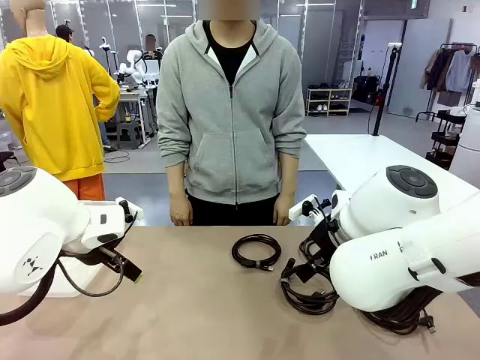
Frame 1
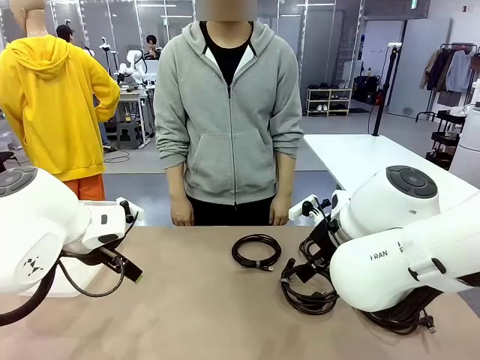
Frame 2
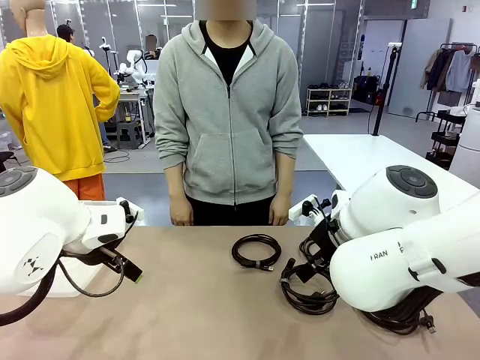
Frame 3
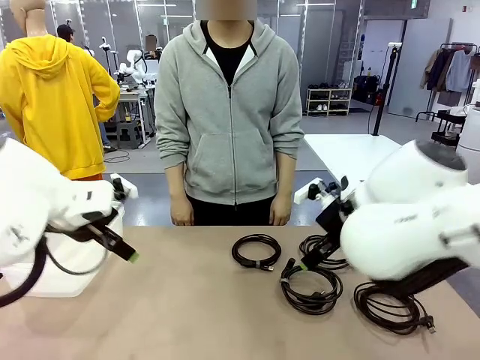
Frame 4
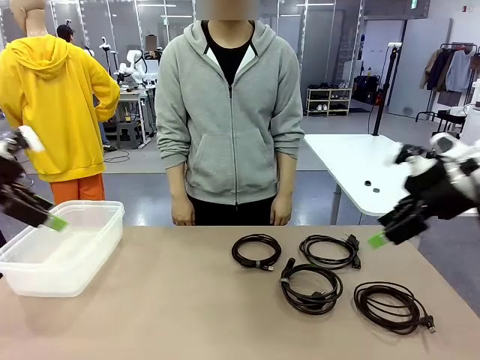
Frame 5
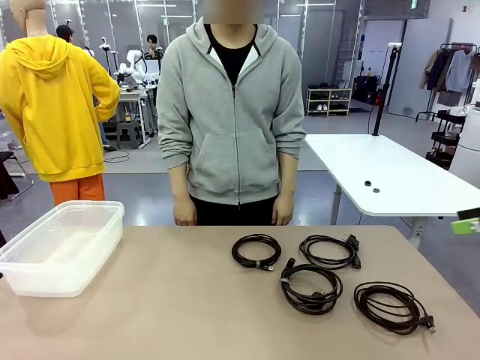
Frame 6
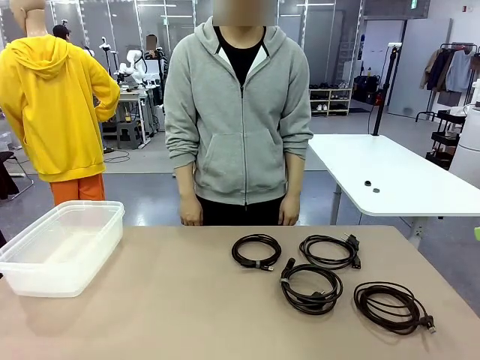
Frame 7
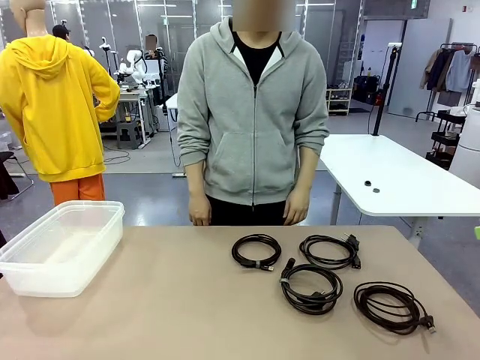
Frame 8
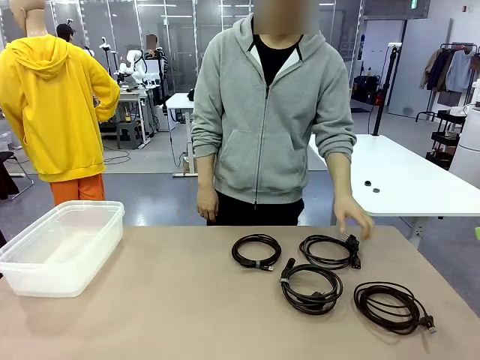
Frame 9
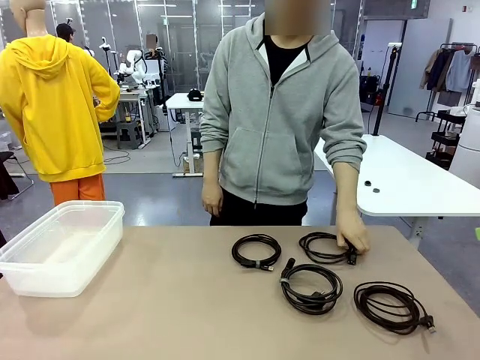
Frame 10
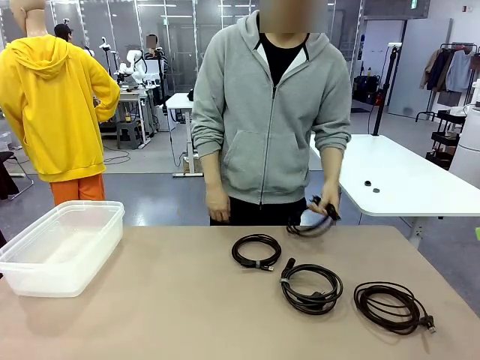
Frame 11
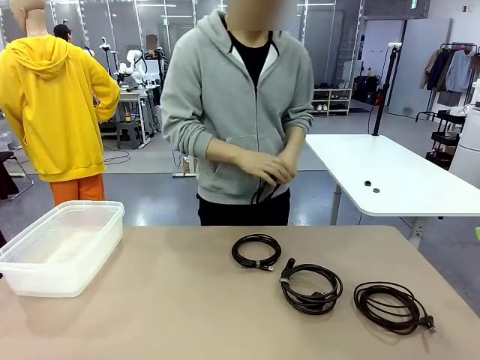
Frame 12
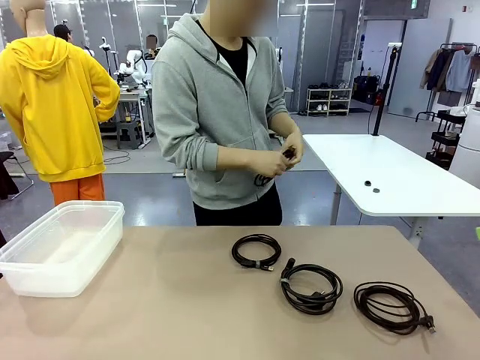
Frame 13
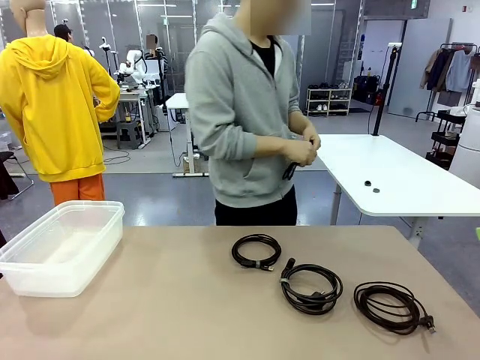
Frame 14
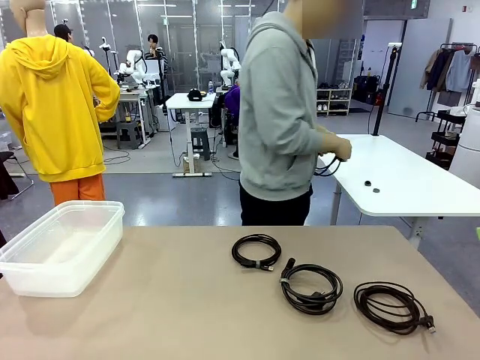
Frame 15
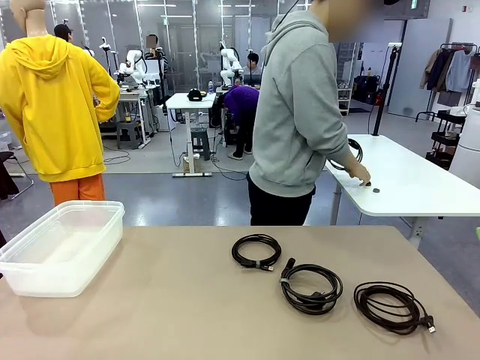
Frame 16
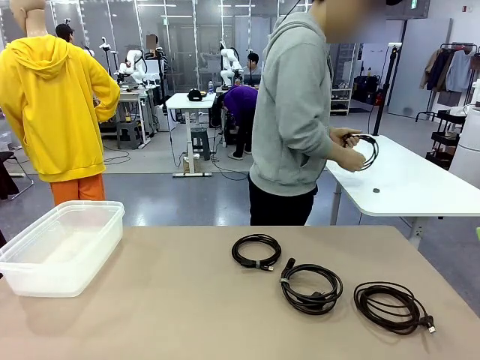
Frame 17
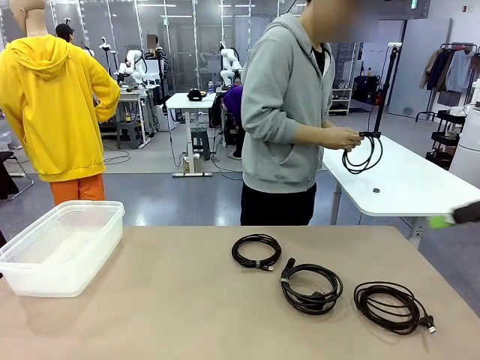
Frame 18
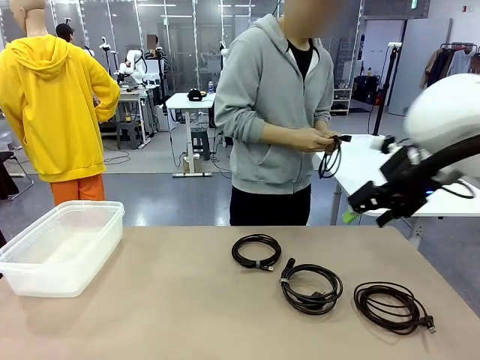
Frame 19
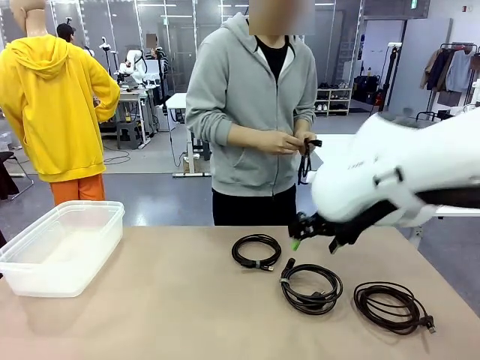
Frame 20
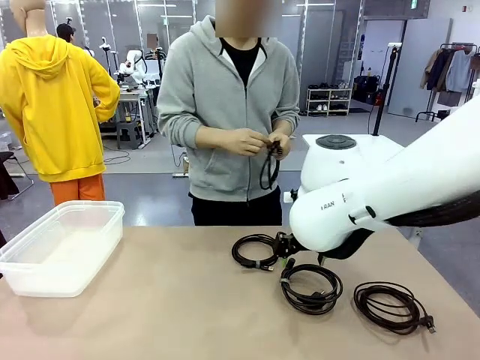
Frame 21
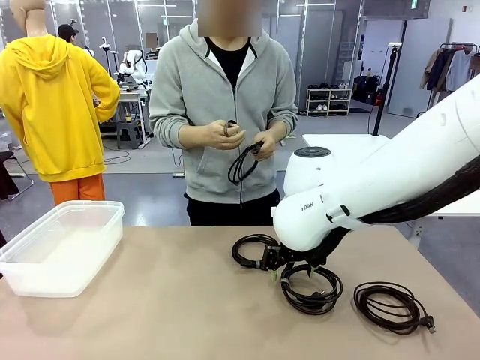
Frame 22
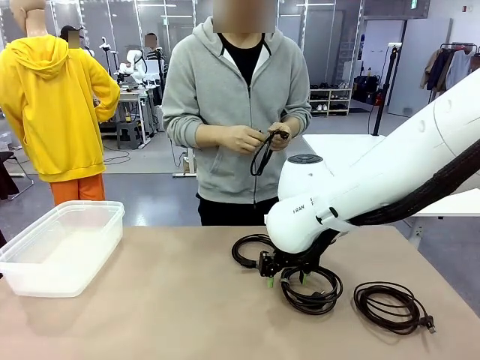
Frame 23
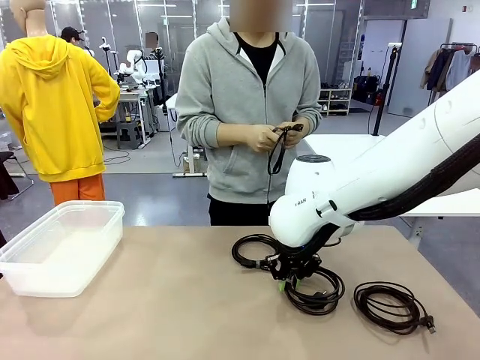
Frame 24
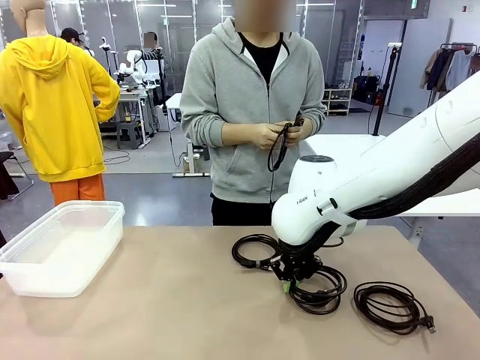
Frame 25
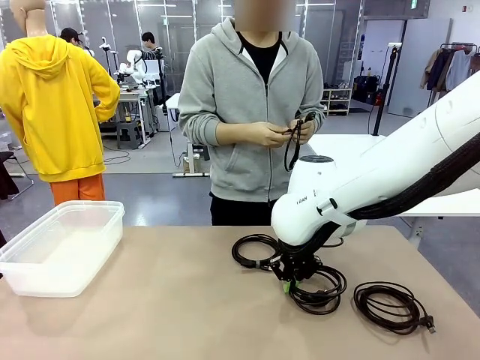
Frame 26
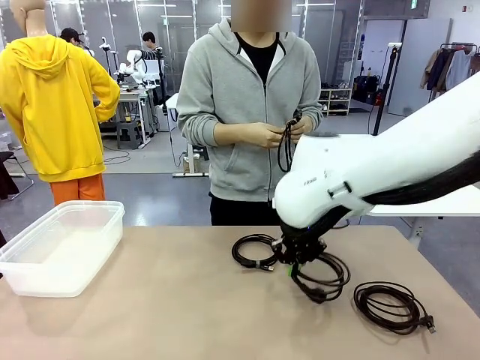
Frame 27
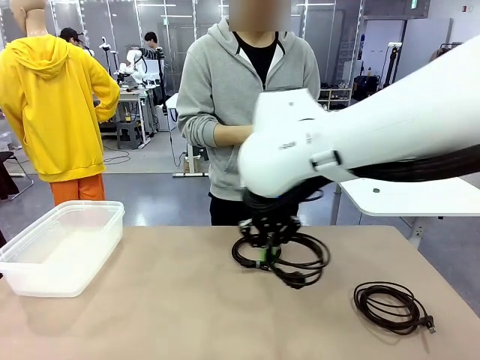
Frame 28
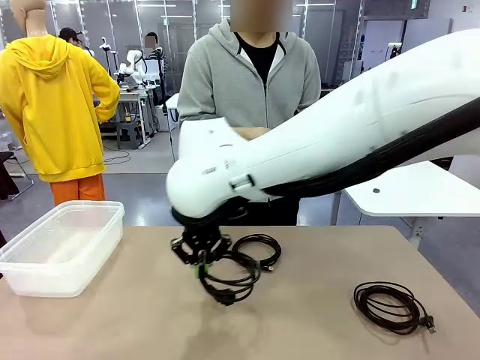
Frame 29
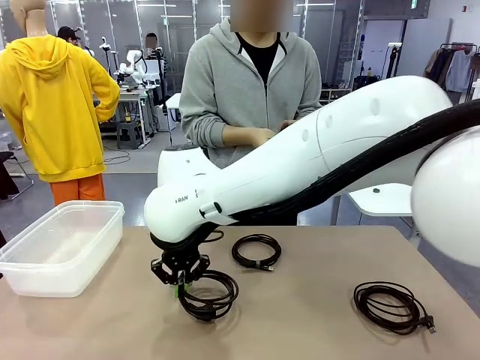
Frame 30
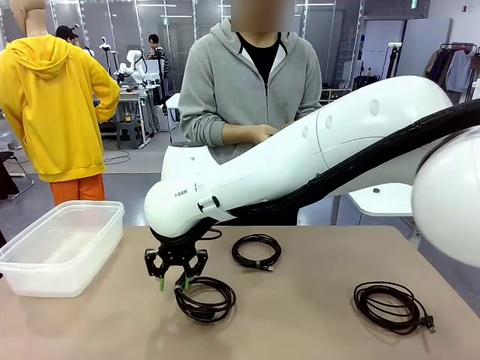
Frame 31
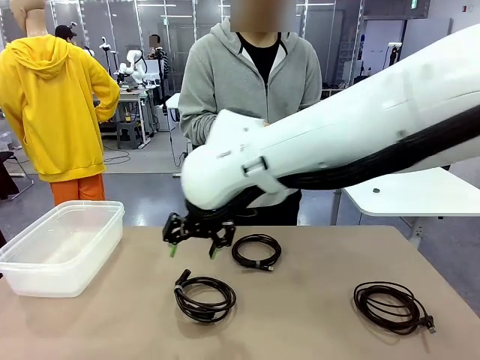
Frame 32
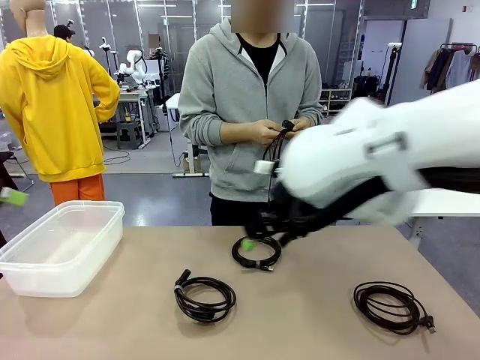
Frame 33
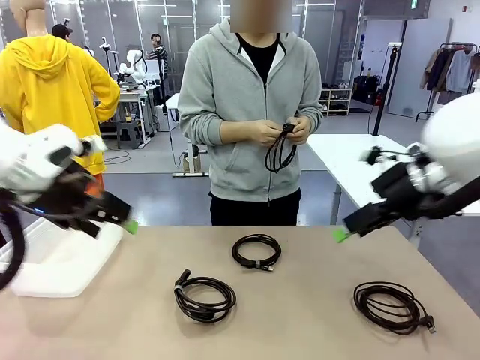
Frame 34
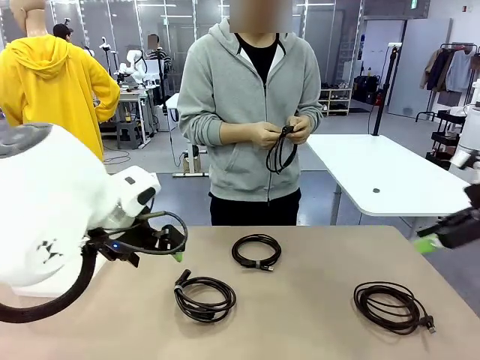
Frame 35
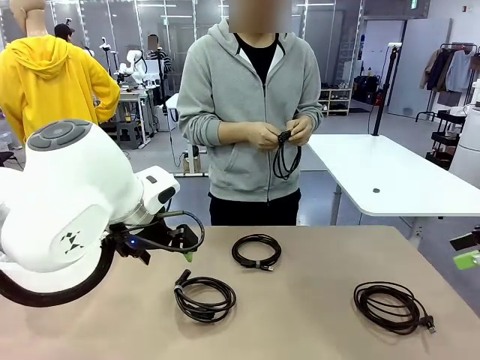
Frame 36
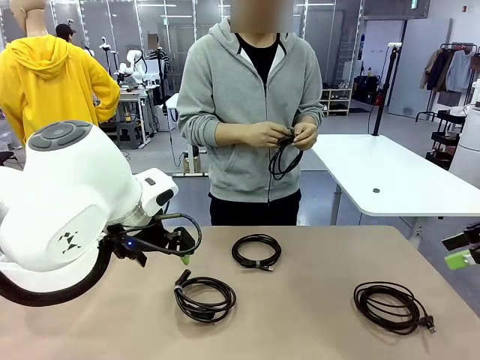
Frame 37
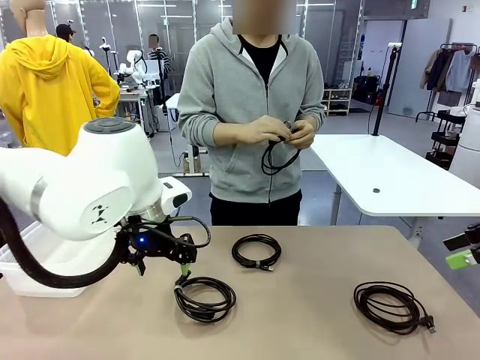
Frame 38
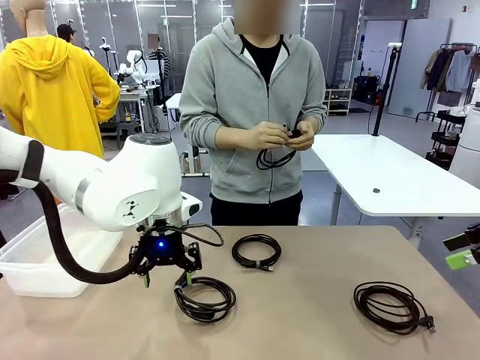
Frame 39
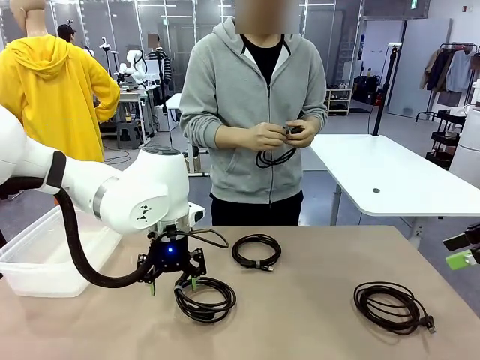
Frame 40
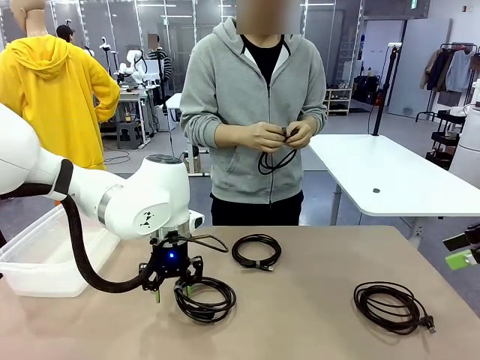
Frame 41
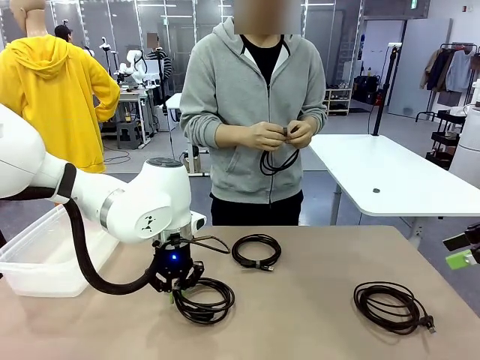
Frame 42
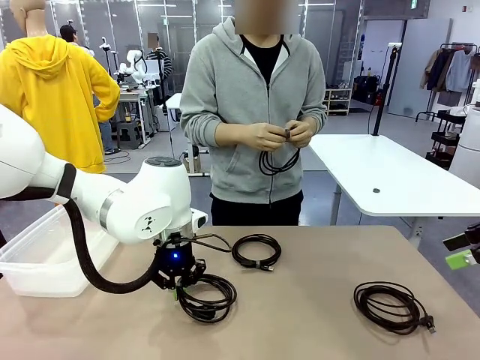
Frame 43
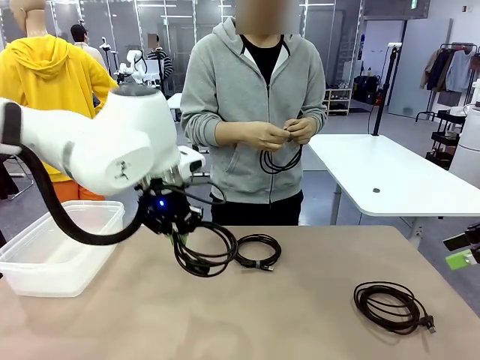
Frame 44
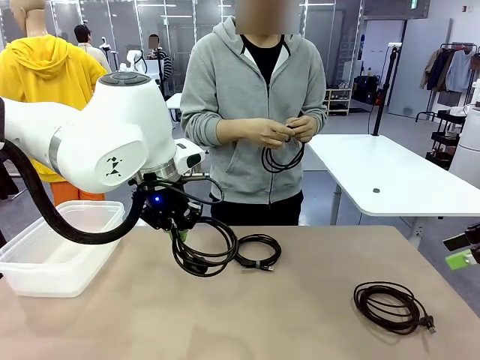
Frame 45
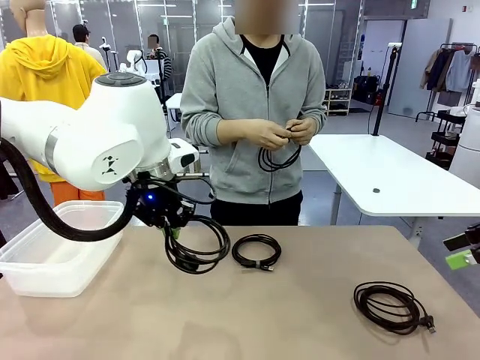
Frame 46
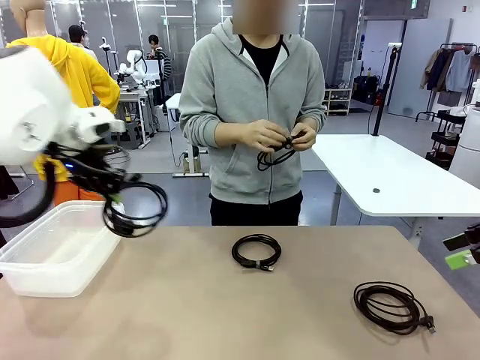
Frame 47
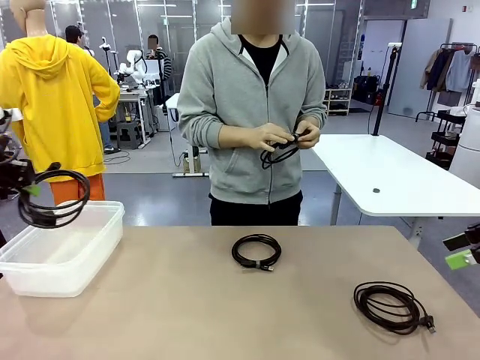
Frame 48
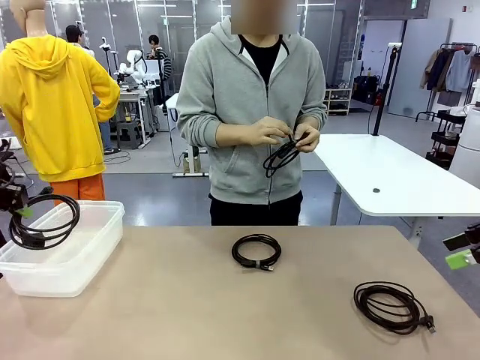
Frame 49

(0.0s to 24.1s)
Task: Organize and store the cables.
Robot: Place the Power Cable into the Organizing box.
Person: Tie one Power Cable with a Reusable Cable Tie.
